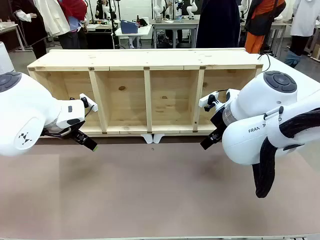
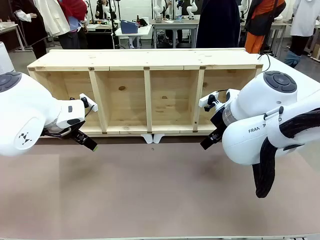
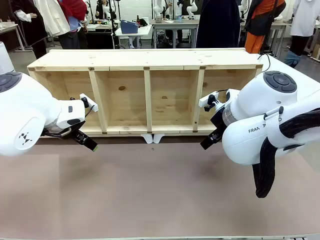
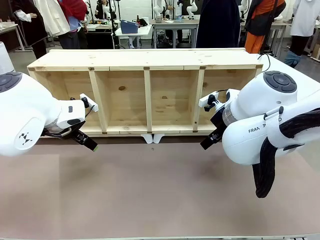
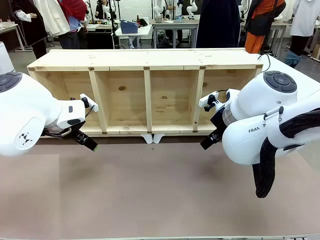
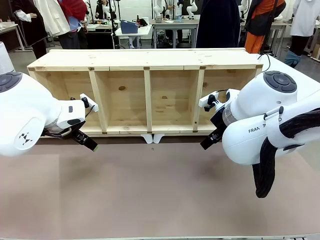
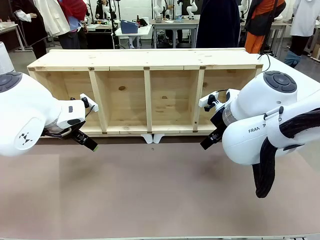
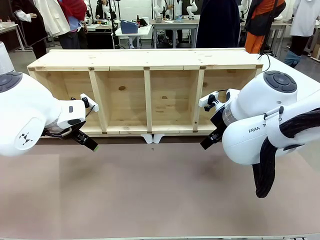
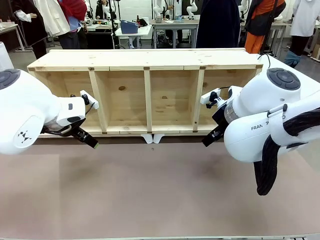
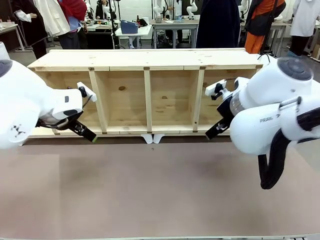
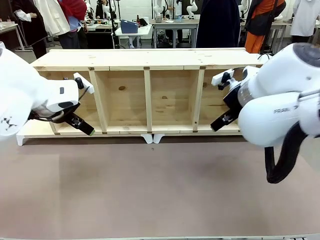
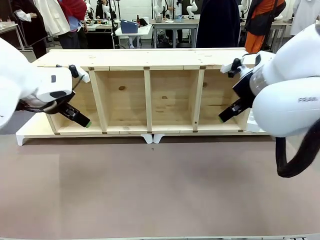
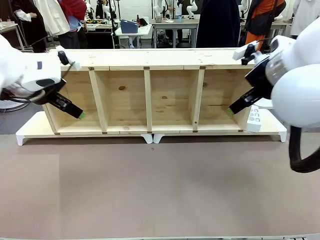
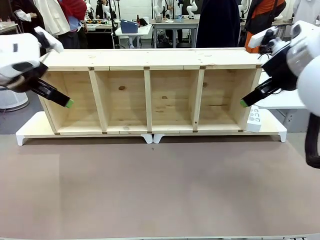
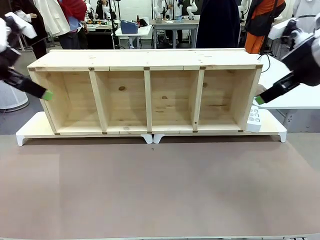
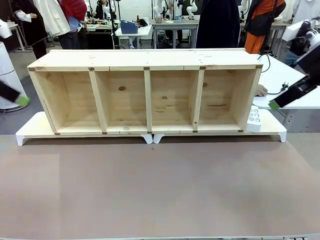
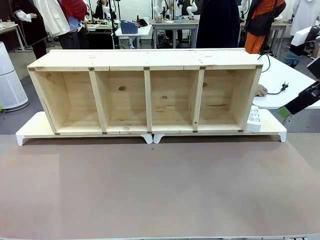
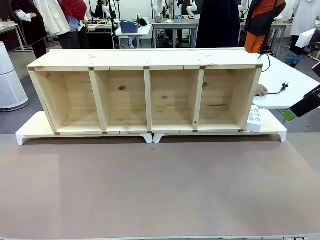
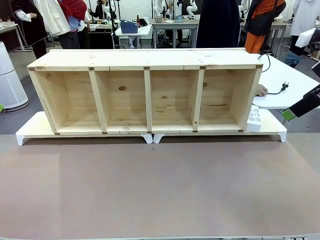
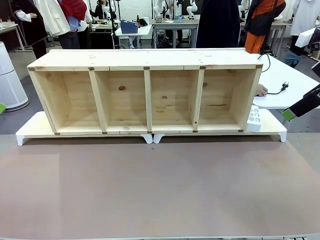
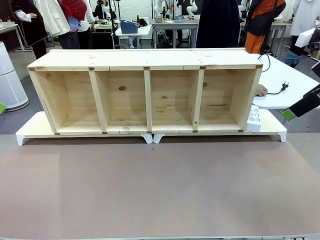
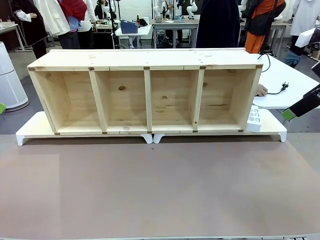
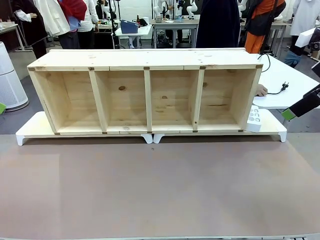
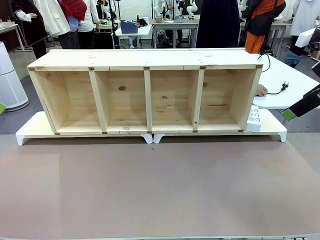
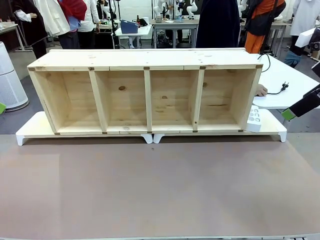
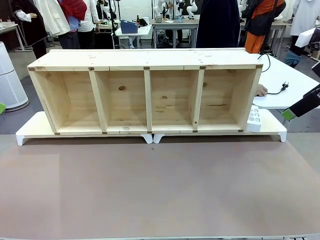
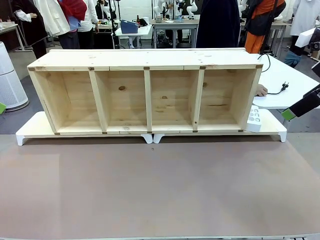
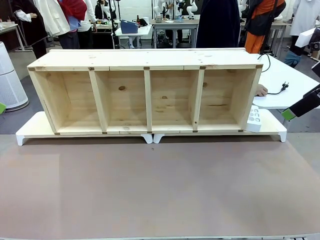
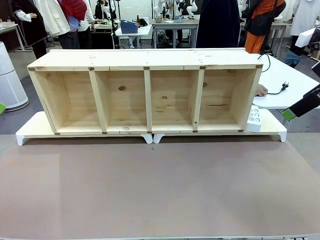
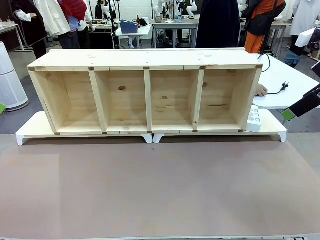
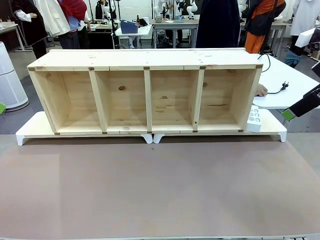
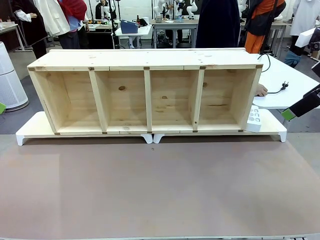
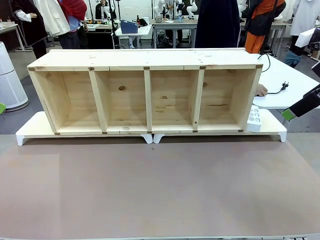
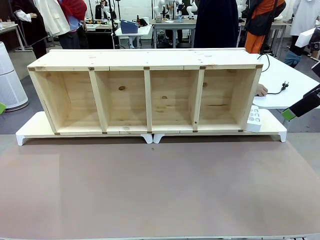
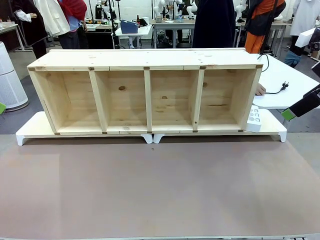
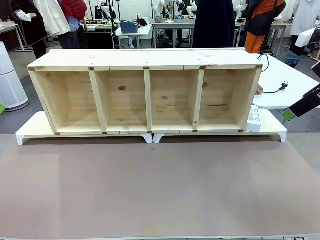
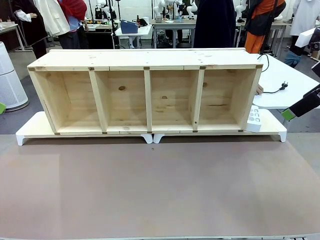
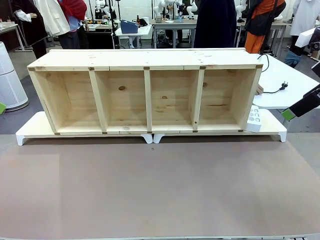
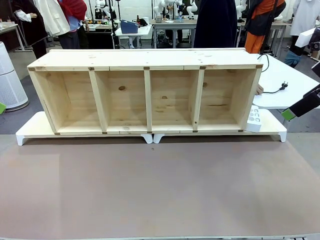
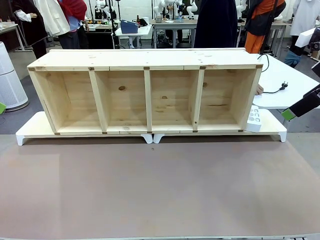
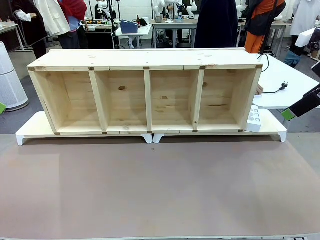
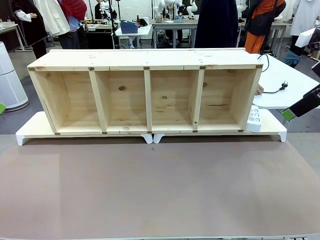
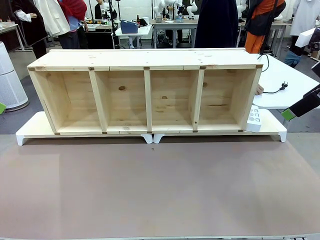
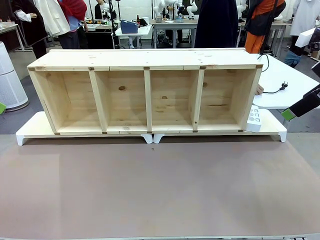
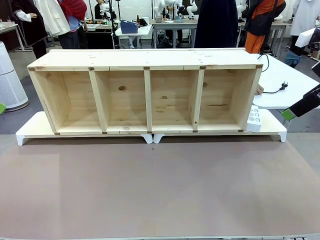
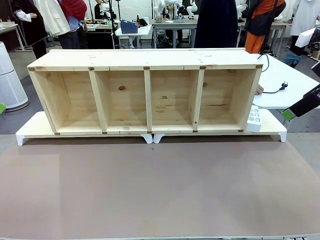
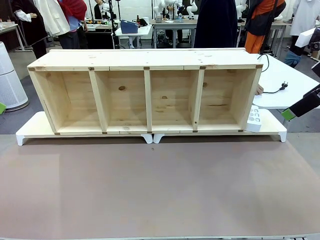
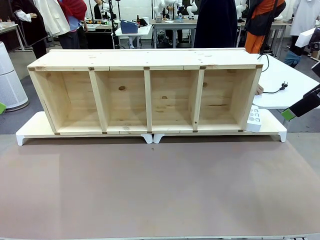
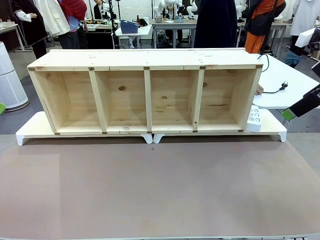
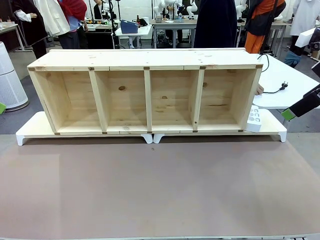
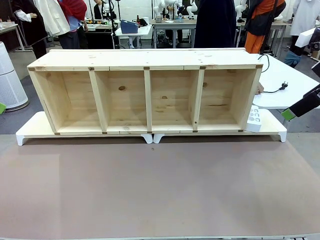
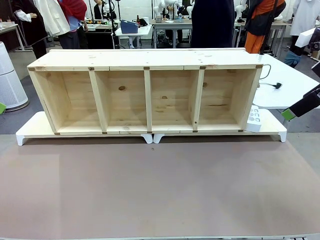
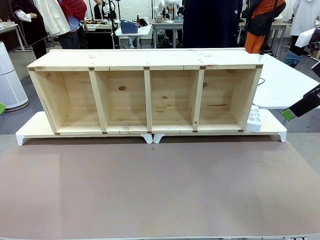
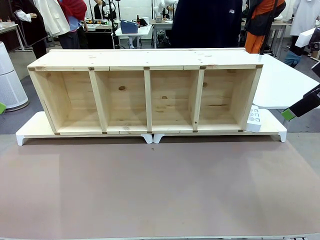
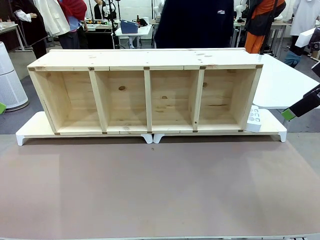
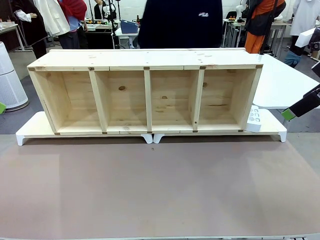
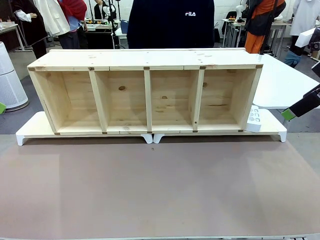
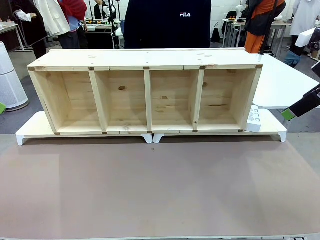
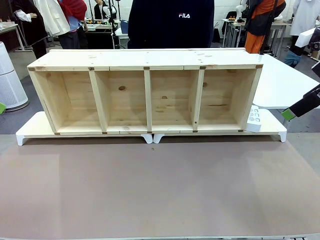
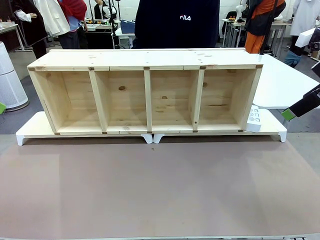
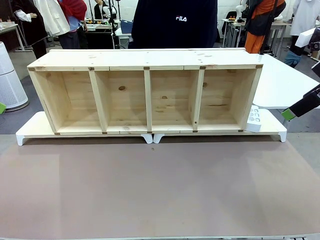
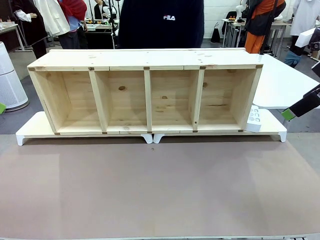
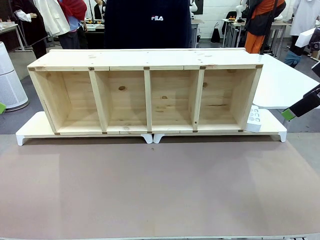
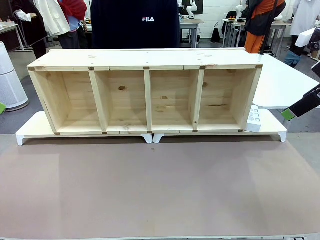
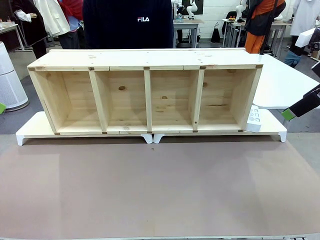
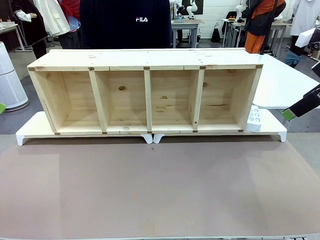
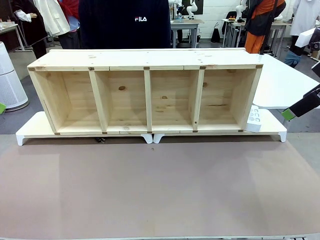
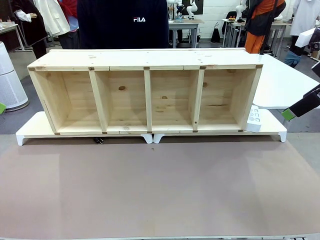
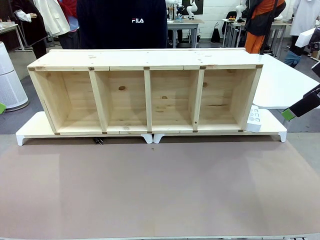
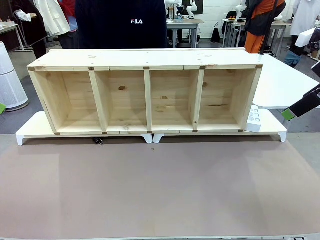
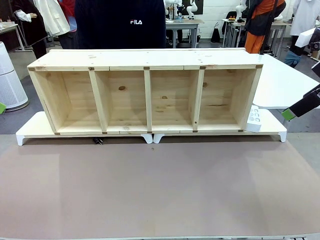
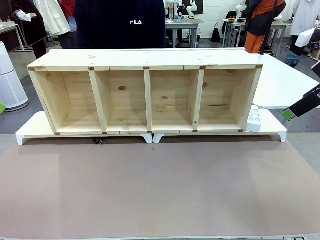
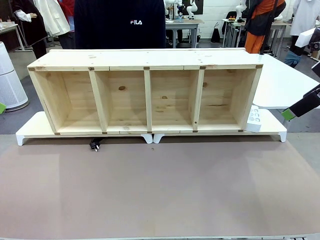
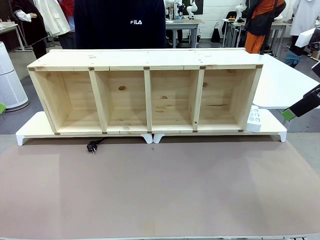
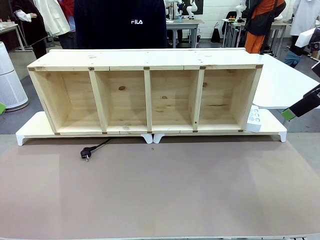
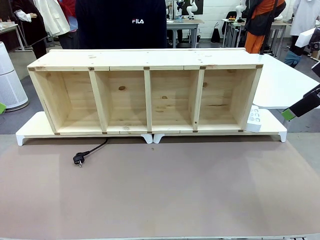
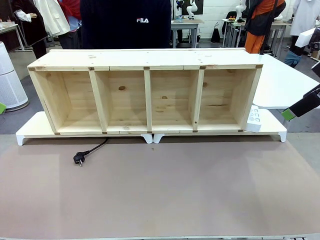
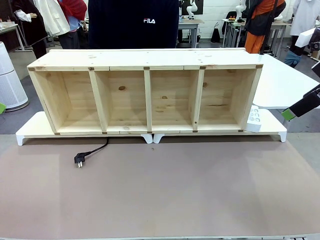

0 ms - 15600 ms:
Task: Perform cable management.
Robot: When the cord part of the Power Cable appears at the lower middle area of the table and stops, grasp the cord part of the Power Cable.
Person: Pass the Power Cable under the Serving Table.
